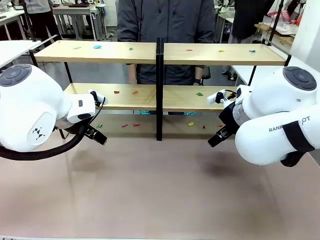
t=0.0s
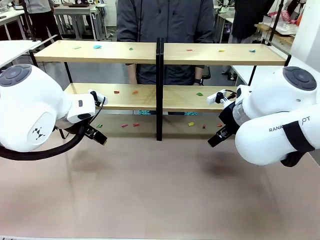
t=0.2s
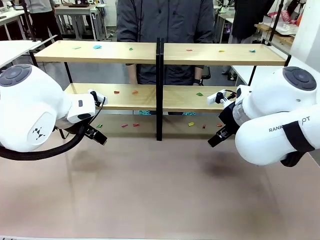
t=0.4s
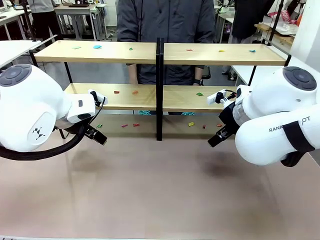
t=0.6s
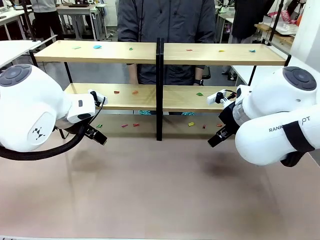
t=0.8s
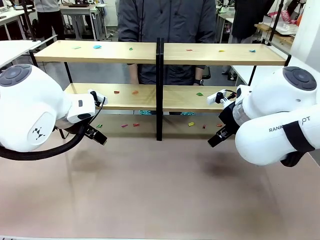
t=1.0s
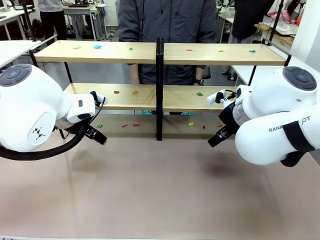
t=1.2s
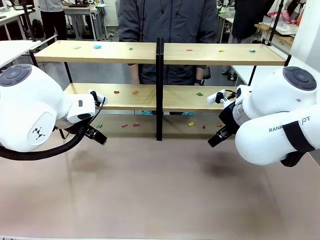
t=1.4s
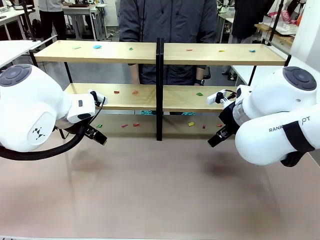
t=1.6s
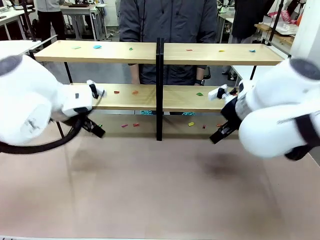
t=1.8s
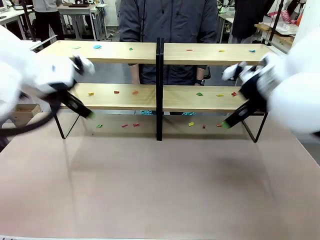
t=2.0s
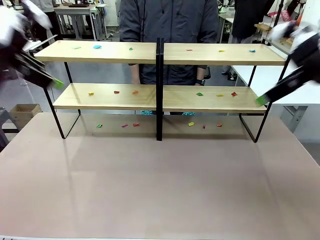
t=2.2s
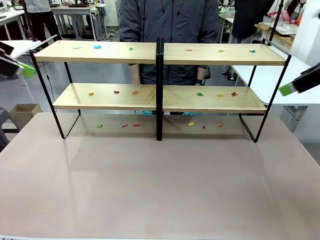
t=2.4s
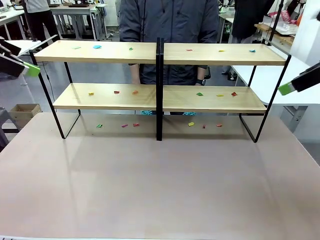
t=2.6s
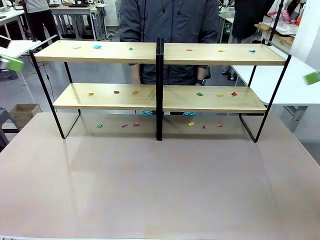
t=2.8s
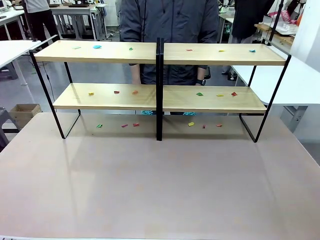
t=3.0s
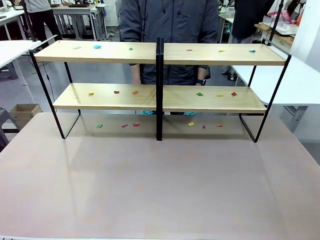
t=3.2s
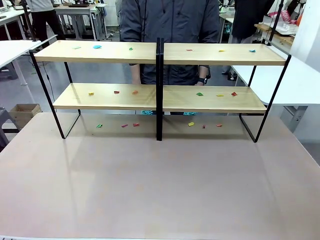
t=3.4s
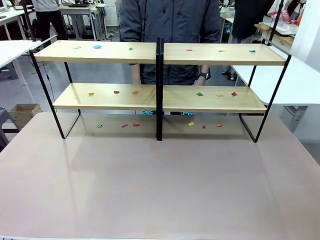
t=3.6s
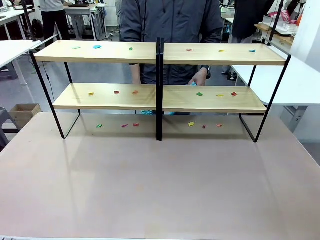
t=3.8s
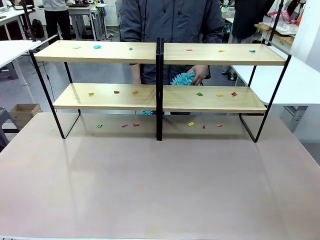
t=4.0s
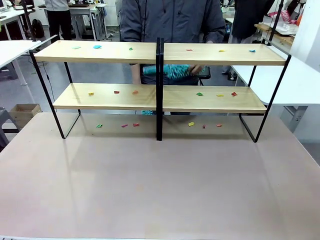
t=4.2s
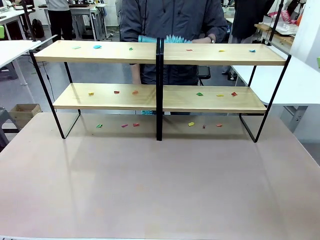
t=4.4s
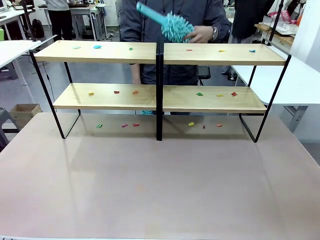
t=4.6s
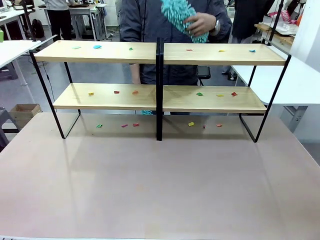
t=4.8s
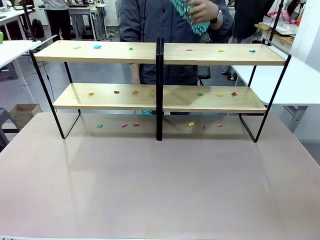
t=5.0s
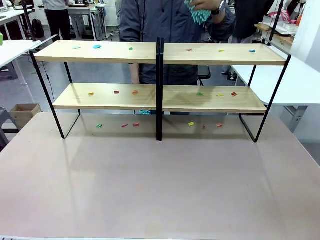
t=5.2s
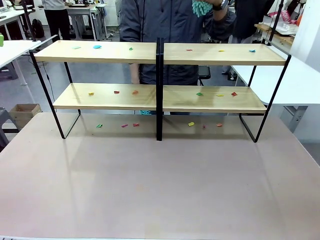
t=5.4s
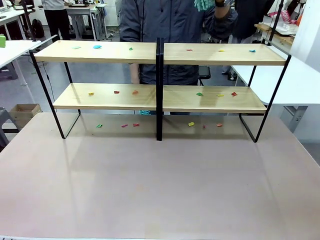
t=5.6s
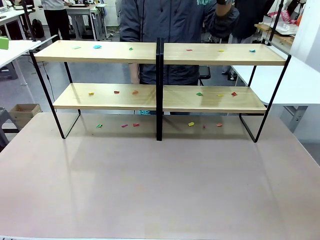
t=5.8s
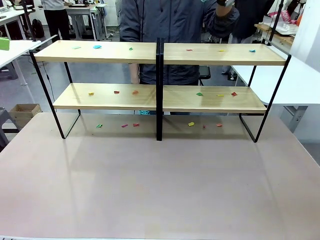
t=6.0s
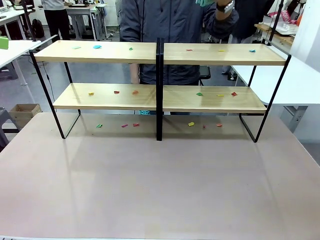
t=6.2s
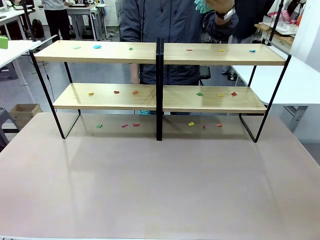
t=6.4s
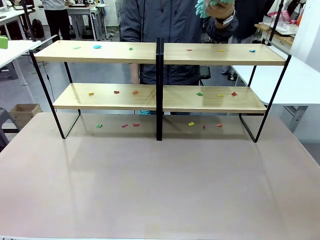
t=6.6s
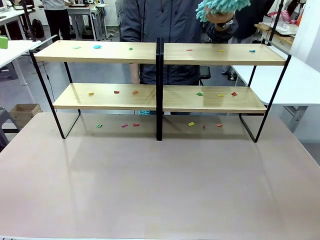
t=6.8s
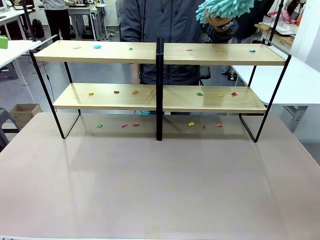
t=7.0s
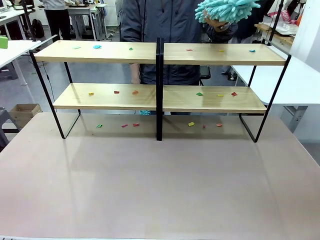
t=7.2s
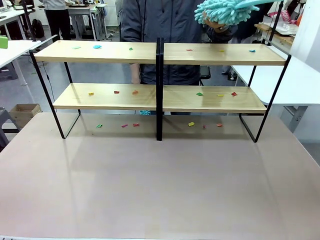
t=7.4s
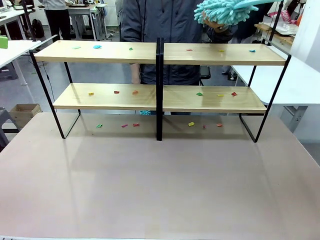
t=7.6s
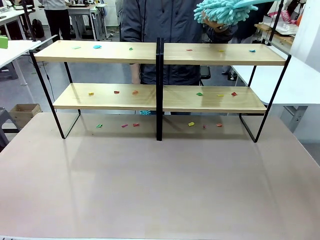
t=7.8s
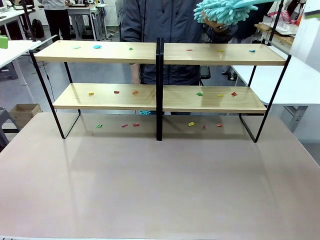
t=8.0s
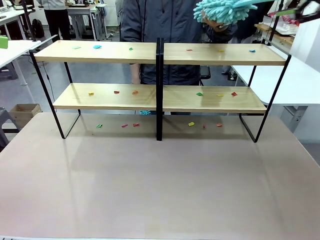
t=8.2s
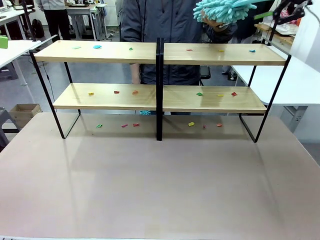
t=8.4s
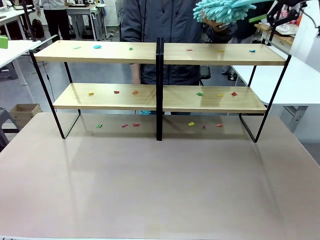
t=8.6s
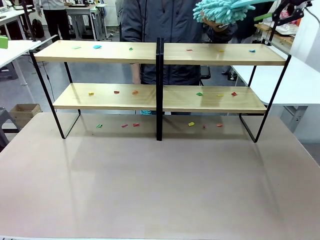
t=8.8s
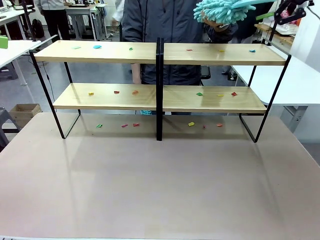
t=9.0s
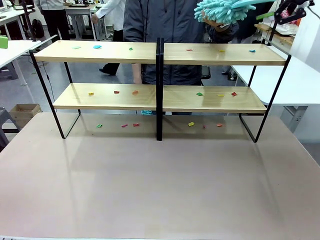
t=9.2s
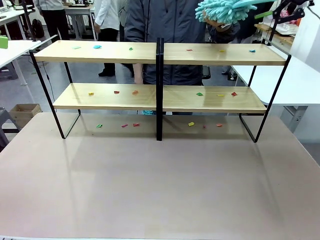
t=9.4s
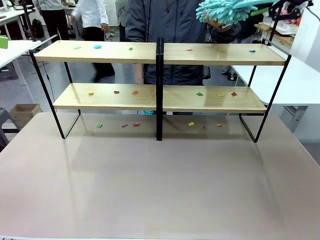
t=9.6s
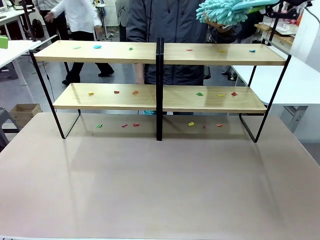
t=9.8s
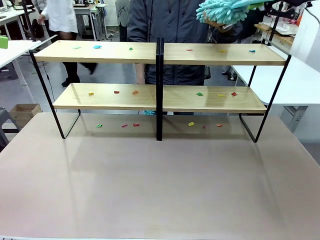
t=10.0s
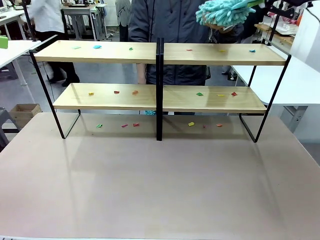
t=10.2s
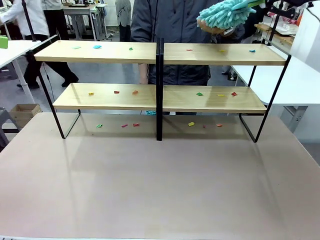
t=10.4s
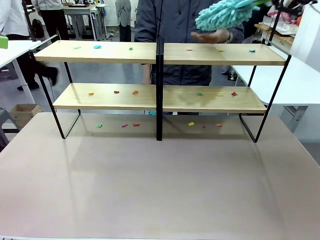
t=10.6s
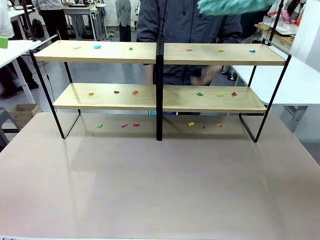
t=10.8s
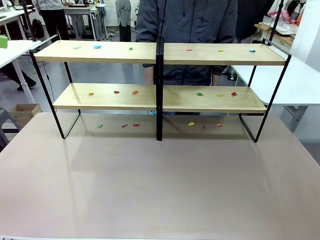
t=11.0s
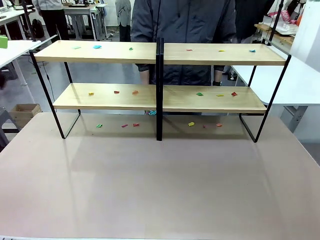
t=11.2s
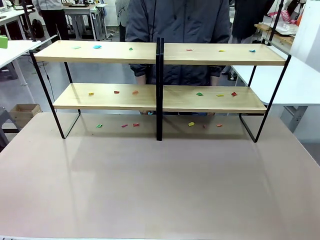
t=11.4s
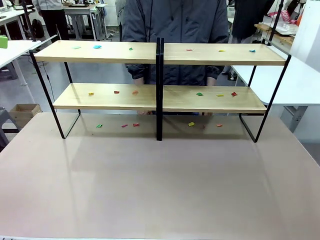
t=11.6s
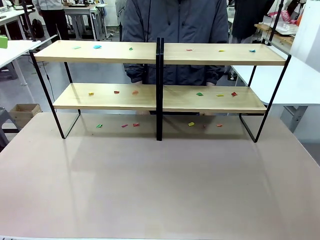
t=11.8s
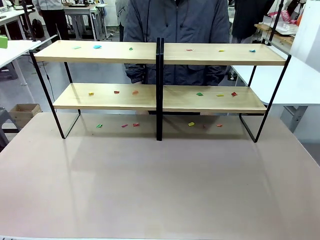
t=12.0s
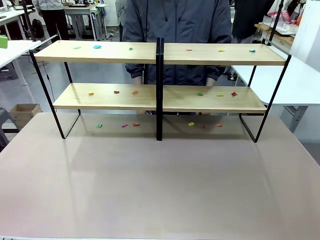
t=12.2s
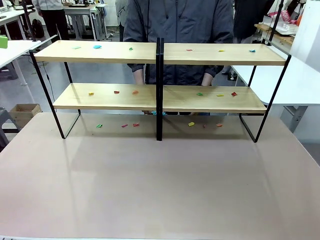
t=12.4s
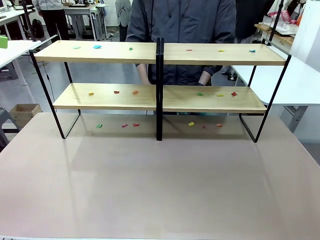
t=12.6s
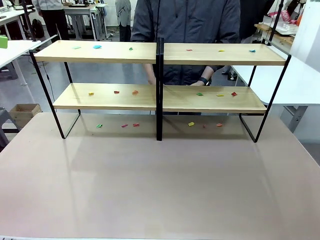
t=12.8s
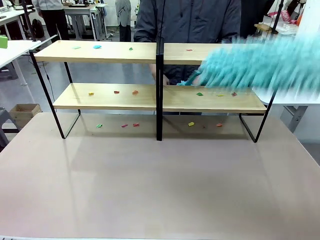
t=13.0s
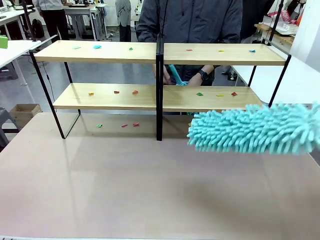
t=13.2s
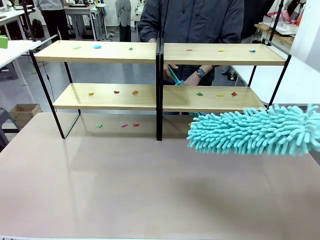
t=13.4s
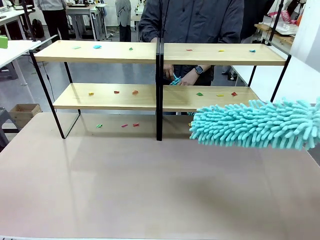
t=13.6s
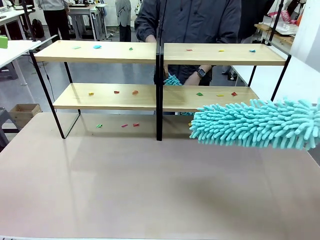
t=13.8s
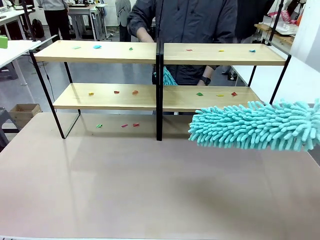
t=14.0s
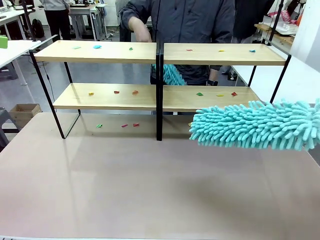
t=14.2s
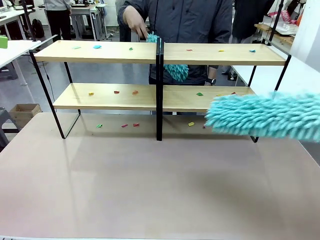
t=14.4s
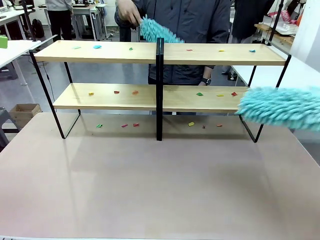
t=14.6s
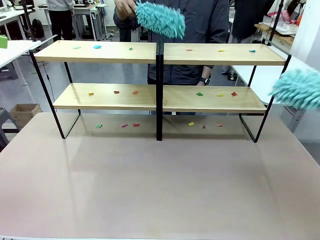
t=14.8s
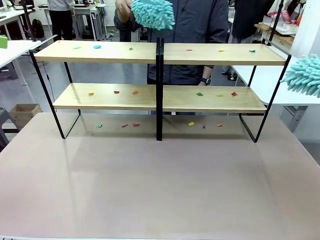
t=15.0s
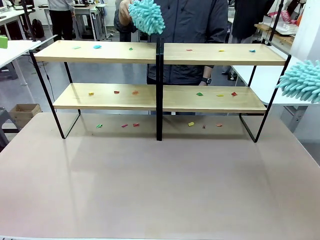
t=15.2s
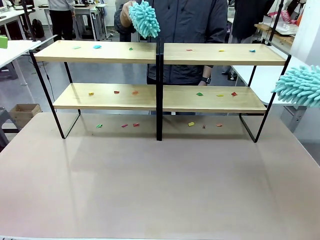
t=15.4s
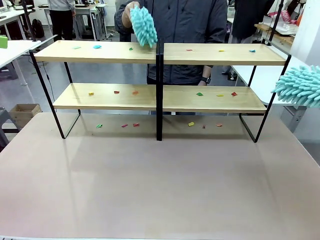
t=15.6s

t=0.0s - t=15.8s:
Task: Clean the shelves.
Robot: Pick up the Duster when the human hands it over.
Person: Hand the Duster to the robot with your right (or left) hand.

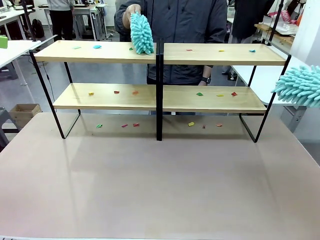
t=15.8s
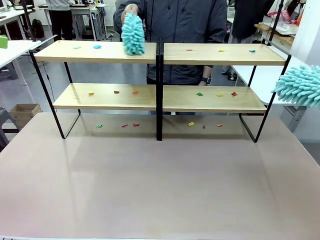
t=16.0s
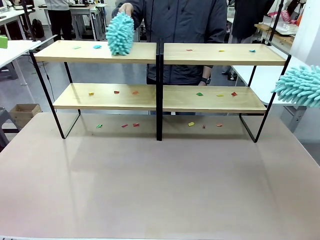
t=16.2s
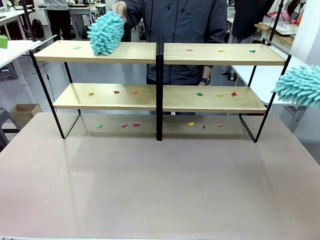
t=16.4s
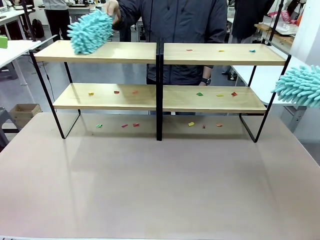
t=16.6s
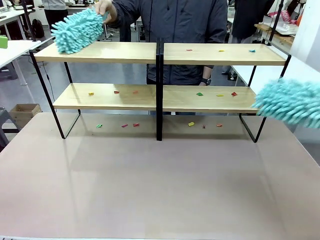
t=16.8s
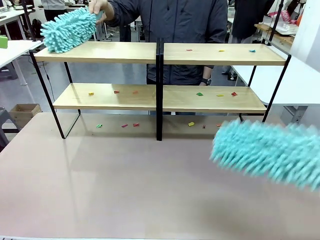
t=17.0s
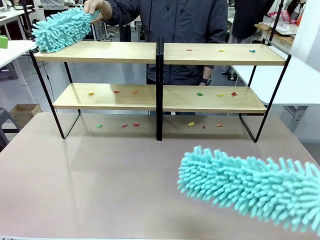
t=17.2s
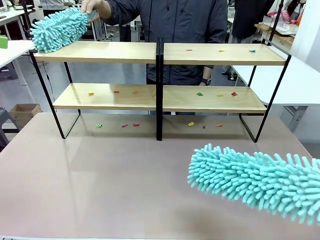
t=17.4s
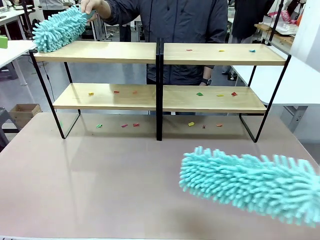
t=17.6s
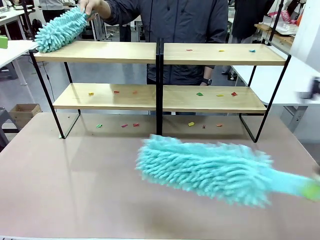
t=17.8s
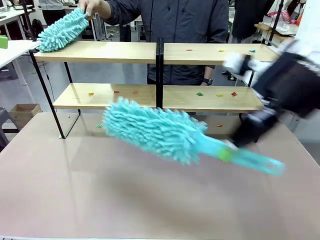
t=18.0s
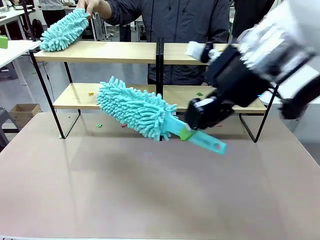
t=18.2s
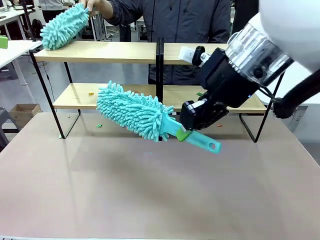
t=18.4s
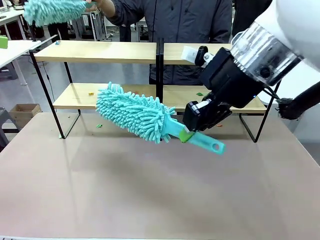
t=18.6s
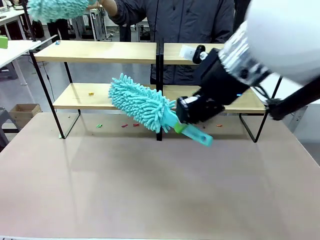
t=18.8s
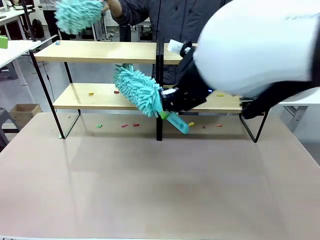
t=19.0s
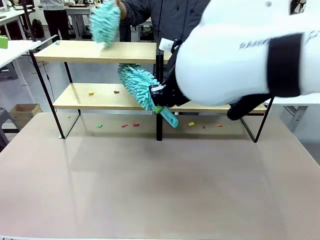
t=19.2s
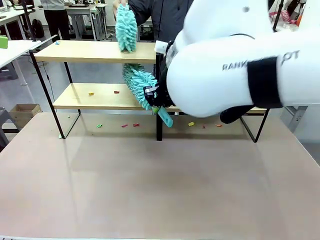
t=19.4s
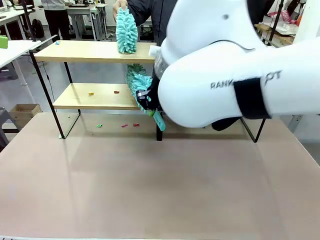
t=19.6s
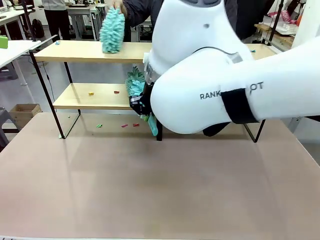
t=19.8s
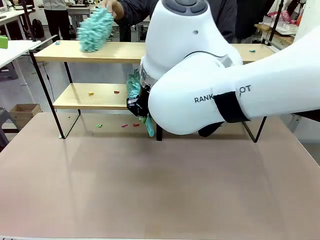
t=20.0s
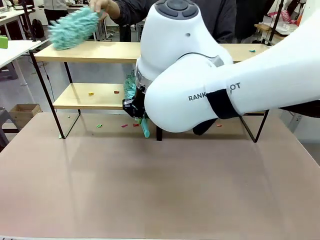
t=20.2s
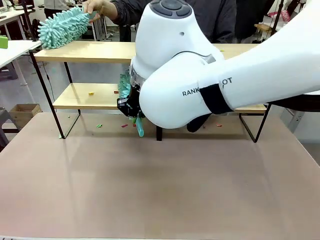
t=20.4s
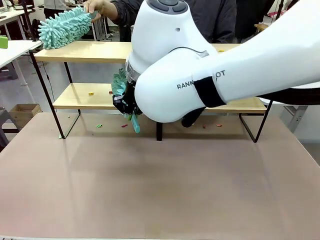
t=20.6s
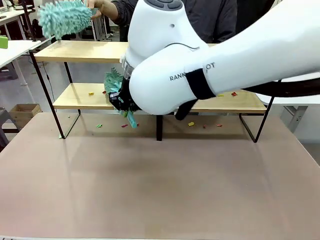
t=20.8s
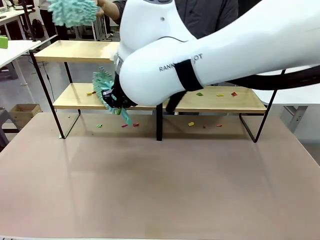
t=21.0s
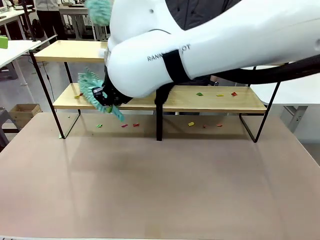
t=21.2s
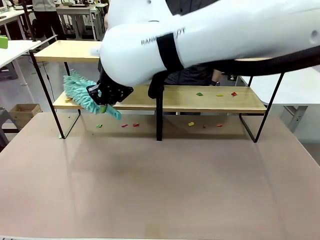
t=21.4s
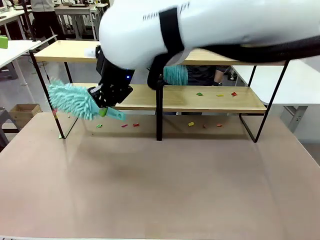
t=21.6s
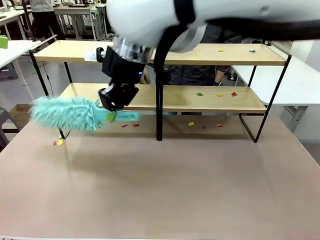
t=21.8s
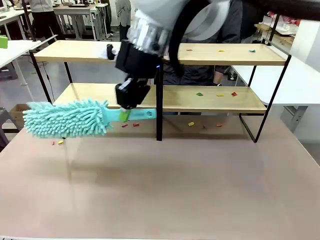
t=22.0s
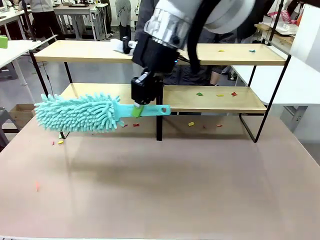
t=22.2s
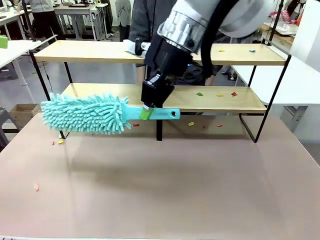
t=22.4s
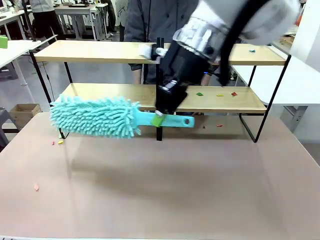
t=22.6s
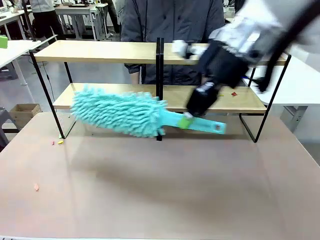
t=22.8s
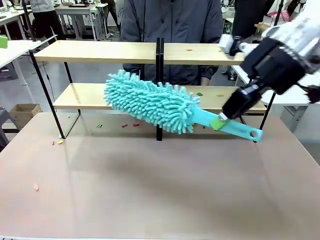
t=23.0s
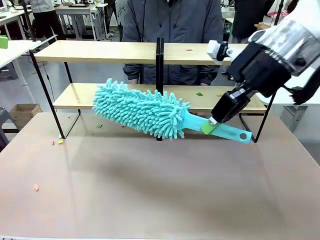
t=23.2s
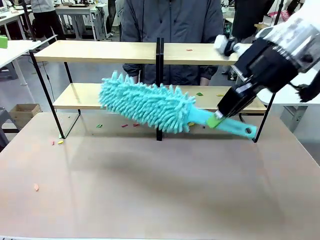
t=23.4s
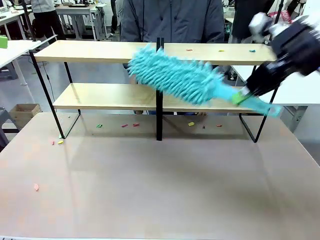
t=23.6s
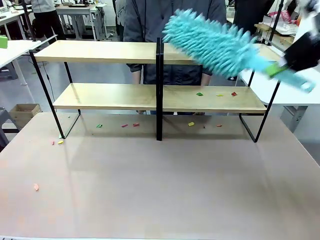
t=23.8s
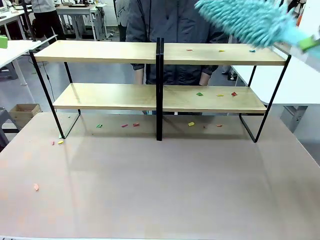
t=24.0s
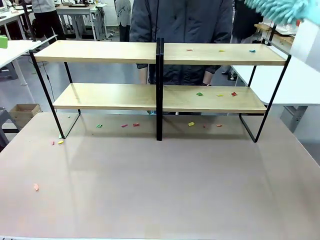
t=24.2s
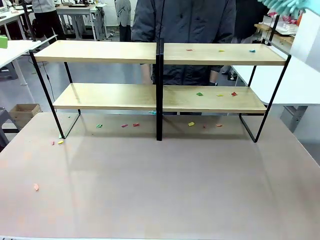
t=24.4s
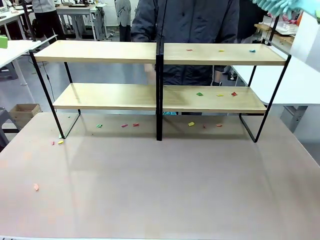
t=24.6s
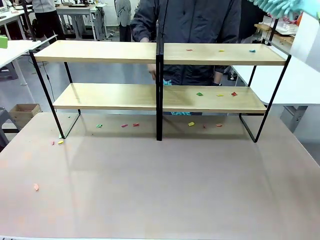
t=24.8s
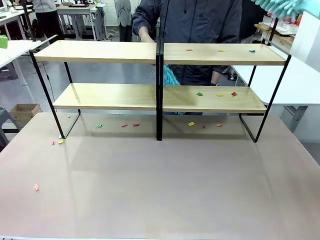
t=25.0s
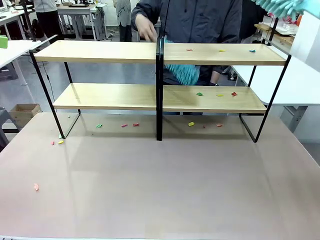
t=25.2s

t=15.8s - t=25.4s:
Robot: Clean a randomly selected level of the Shelf with the Duster.
